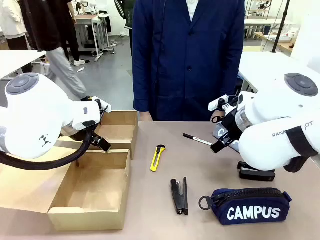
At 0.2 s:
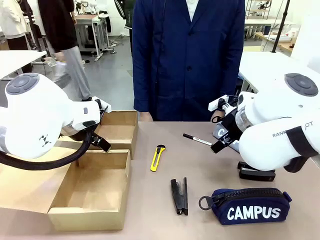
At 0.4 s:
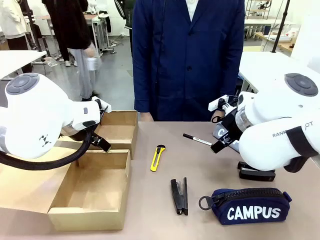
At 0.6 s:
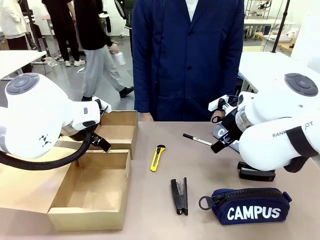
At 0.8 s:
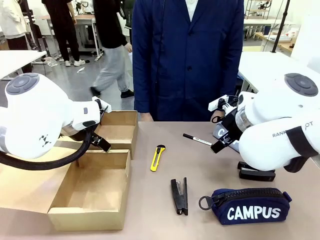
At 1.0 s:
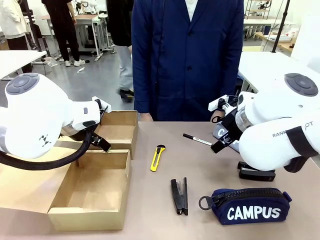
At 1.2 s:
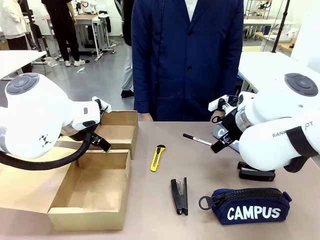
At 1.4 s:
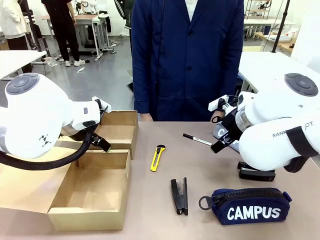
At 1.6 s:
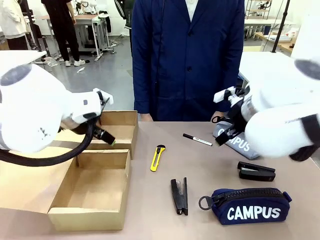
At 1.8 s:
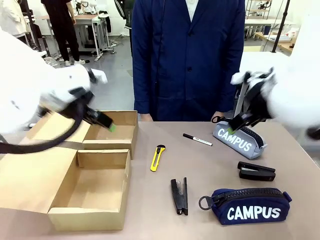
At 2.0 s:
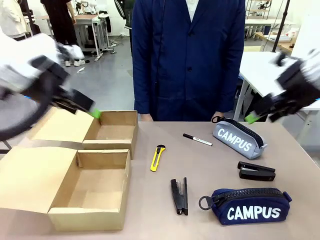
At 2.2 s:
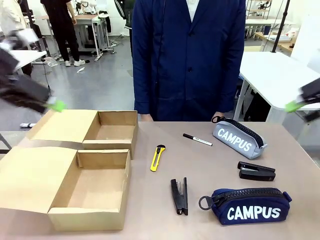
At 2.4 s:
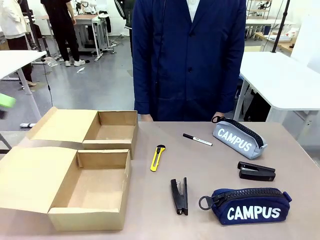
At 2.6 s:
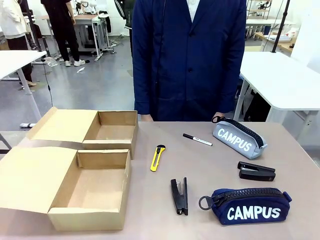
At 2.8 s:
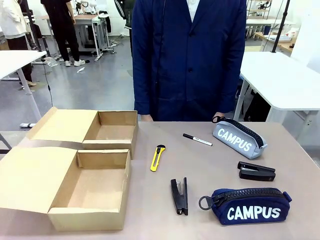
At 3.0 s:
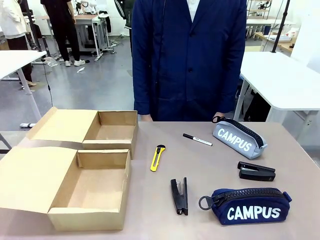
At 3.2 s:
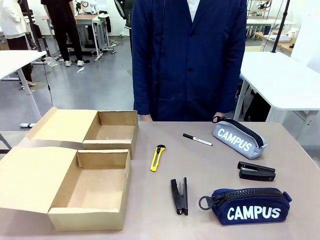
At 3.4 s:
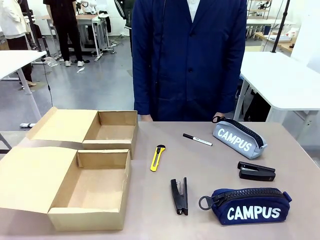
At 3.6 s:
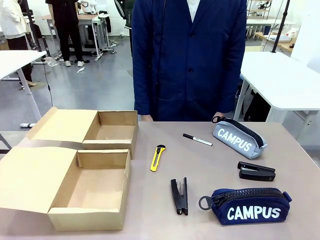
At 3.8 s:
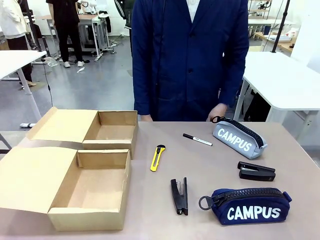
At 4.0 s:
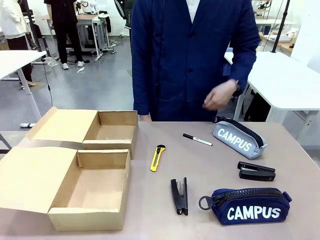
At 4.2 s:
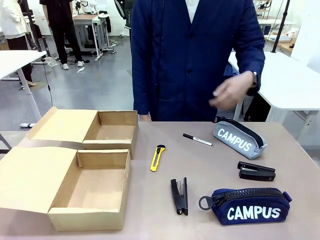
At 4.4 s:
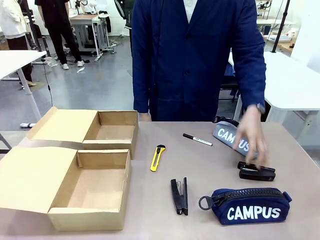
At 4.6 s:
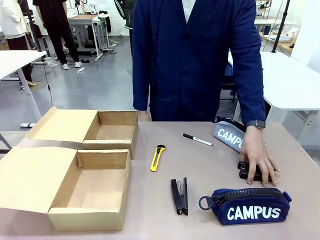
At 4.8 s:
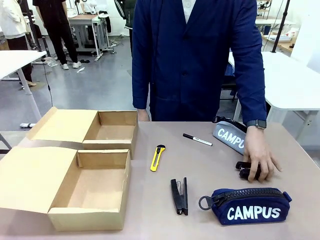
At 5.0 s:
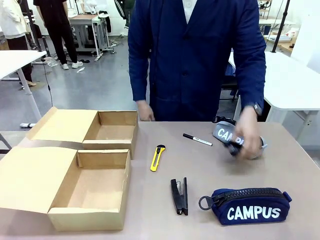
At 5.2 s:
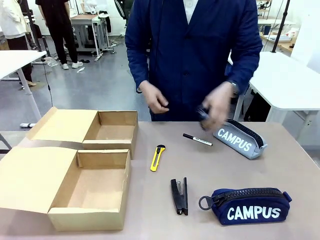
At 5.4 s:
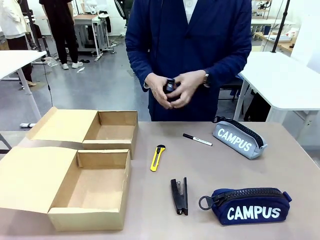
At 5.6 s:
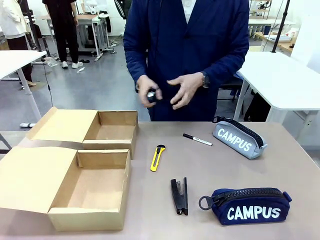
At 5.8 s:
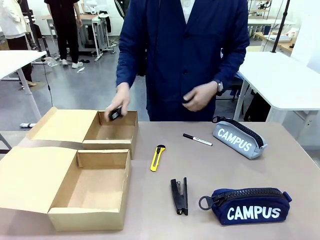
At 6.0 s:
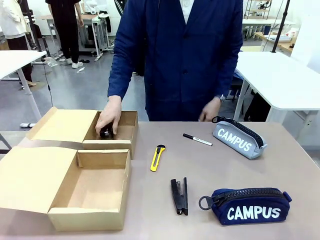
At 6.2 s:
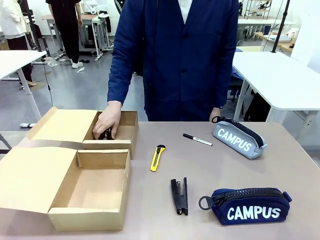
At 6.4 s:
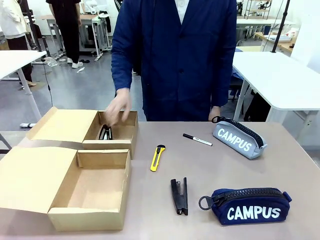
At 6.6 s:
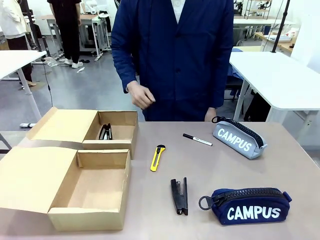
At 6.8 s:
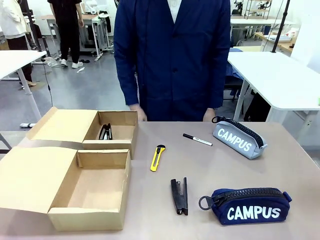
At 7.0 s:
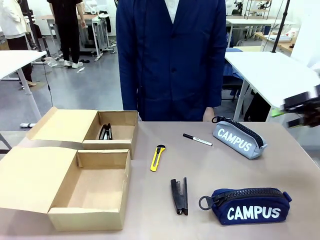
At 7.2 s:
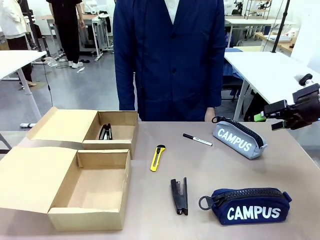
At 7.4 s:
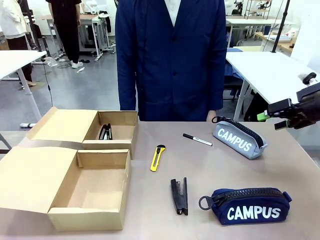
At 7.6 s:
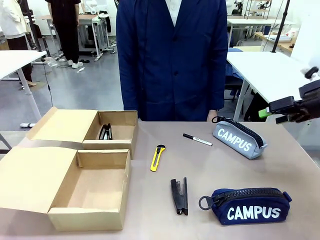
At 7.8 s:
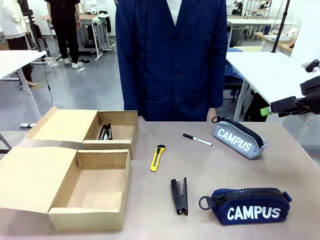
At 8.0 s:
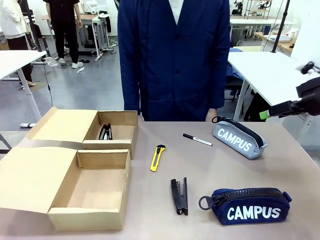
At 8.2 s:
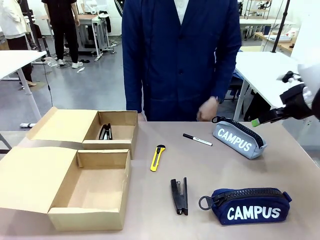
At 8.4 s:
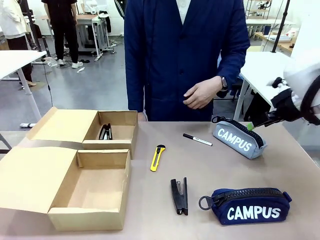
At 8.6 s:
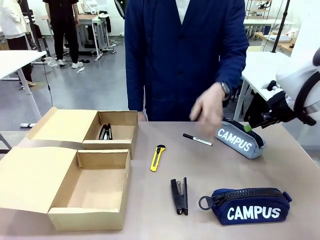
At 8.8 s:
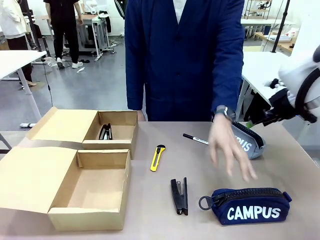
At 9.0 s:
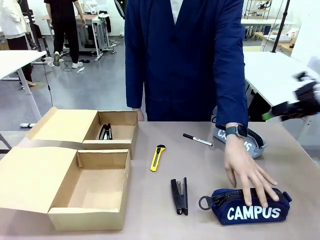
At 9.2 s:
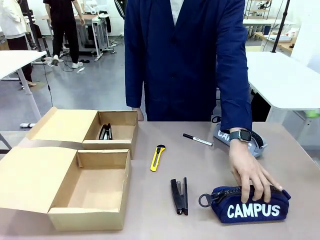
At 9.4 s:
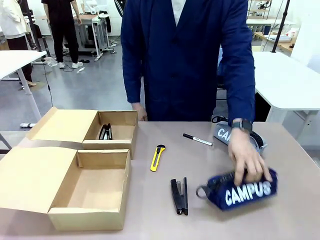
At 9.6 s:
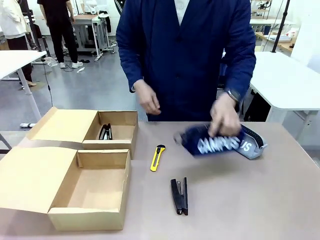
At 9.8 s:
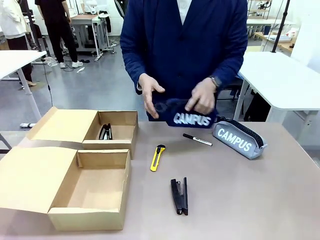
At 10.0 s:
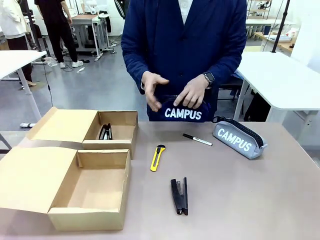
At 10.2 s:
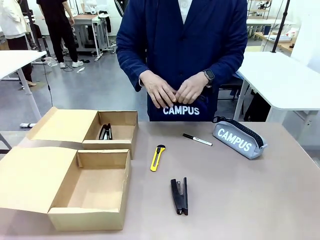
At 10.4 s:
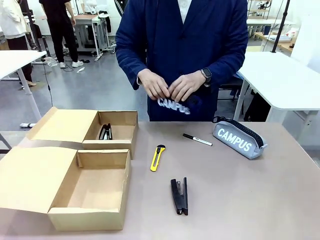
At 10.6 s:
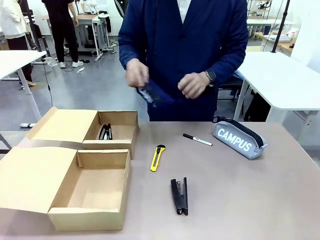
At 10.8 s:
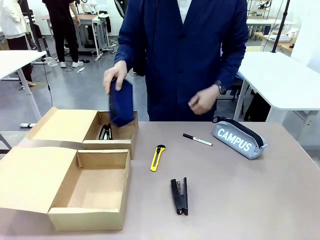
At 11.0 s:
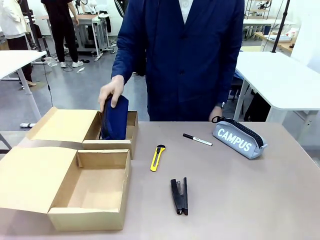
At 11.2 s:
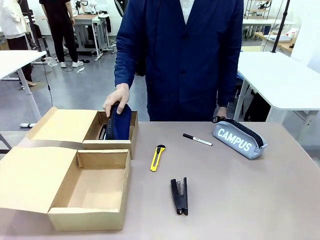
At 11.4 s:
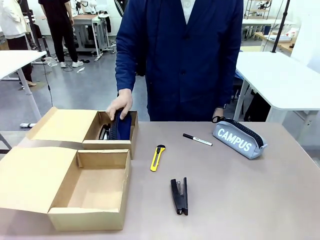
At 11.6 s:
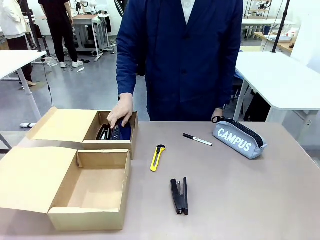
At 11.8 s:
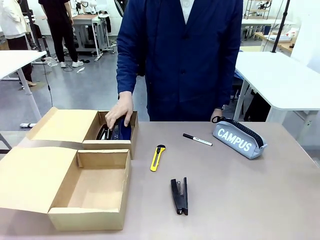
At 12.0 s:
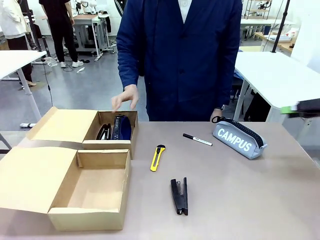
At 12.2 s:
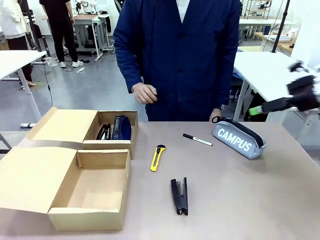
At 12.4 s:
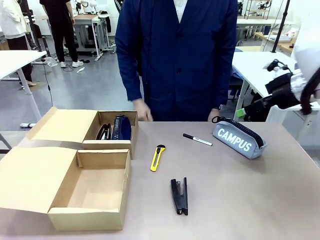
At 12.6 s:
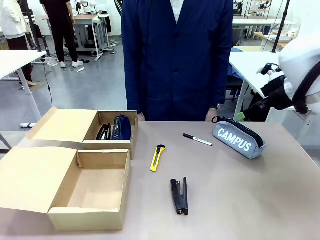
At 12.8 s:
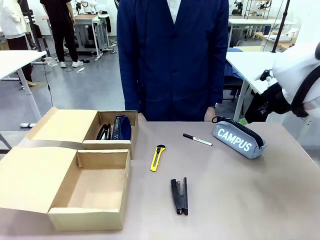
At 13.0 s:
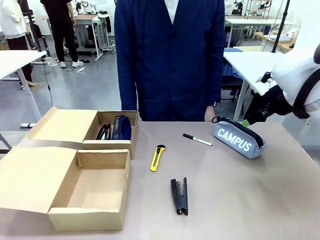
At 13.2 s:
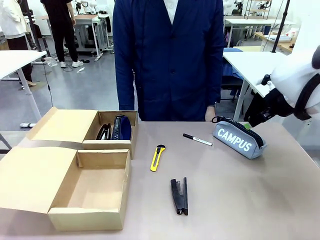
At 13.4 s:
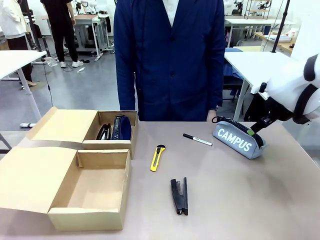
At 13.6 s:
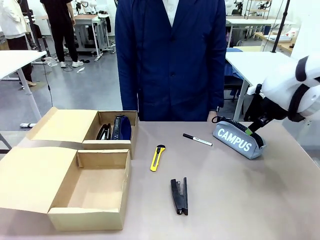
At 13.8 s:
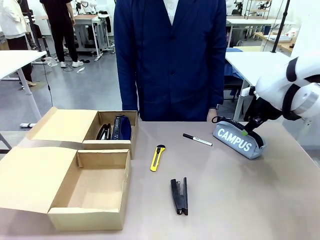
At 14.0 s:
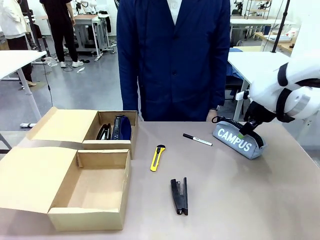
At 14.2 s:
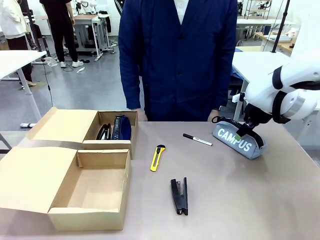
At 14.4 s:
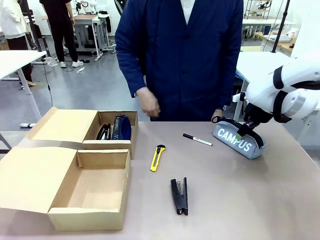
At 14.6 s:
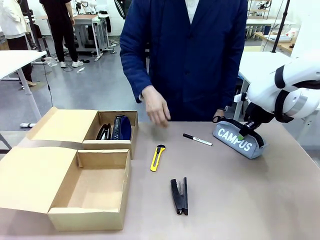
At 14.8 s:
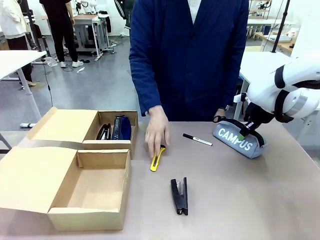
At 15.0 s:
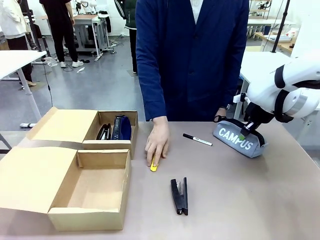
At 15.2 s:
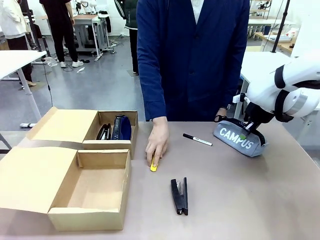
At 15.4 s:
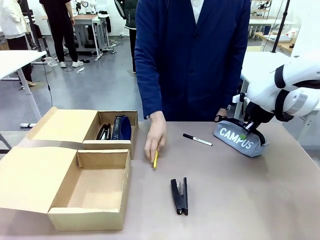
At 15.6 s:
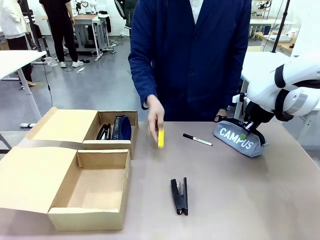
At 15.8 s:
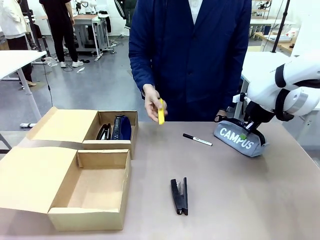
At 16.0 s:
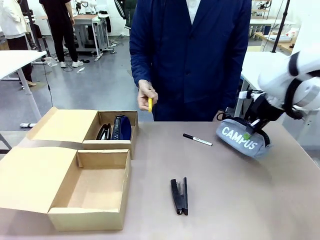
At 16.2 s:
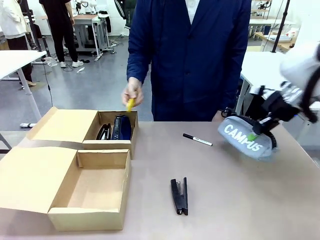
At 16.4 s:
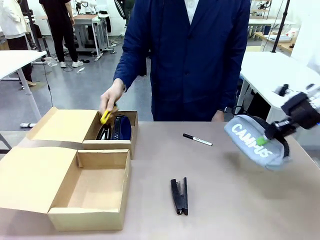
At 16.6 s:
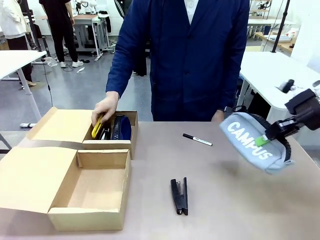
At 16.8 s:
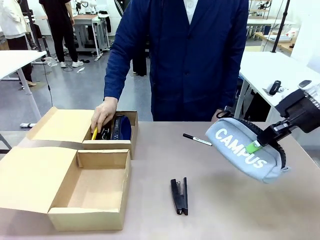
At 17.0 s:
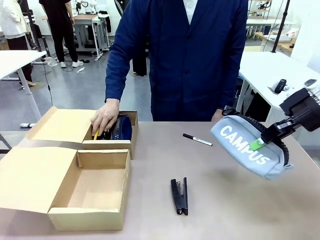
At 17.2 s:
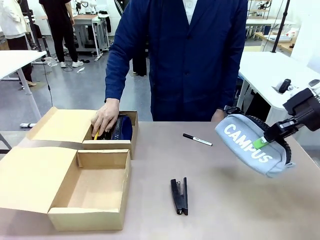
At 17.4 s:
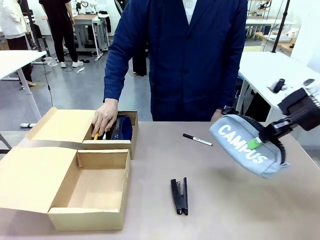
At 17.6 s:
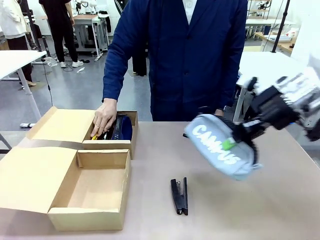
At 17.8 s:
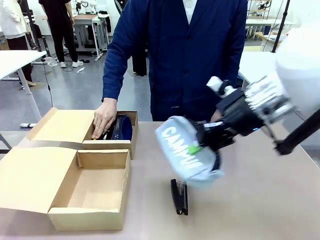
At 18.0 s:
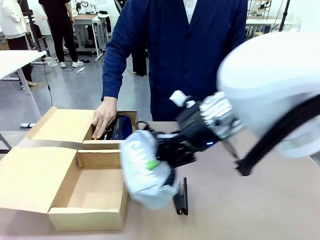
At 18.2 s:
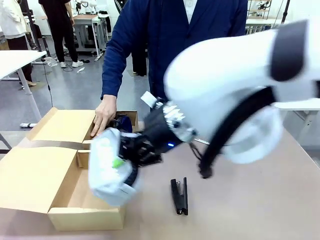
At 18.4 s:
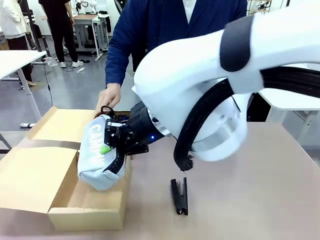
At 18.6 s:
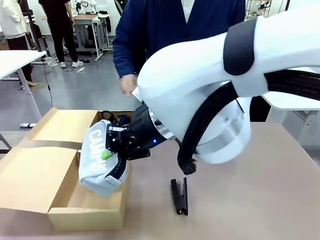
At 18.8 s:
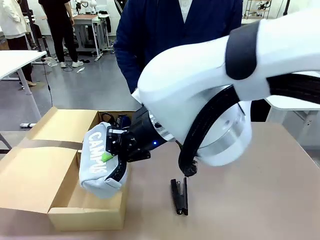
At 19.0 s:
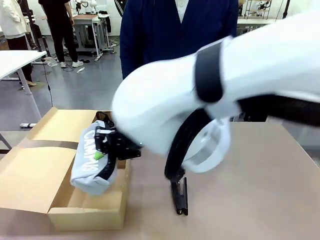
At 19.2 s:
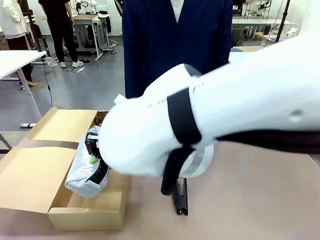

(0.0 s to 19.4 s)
Task: Place items inside the box.
Robot: Pick up a Pencil pouch or Stapler and place it inside the Mailer Box closest to the robot.
Person: Pick up an object on the table and put it in the box.
